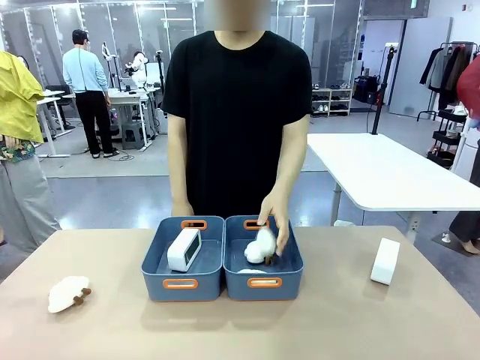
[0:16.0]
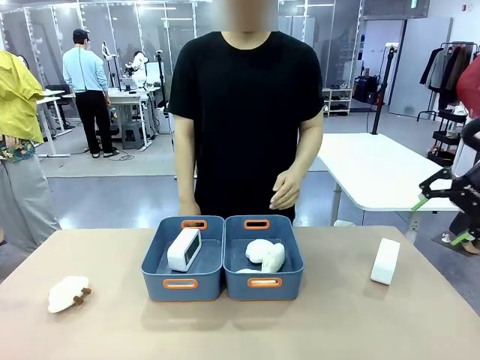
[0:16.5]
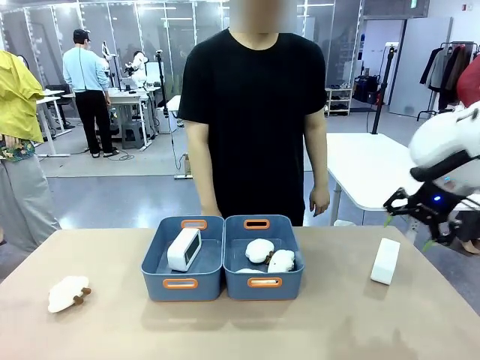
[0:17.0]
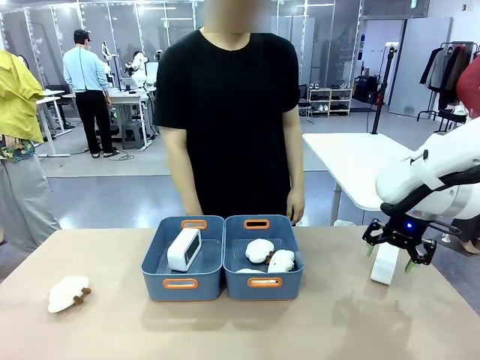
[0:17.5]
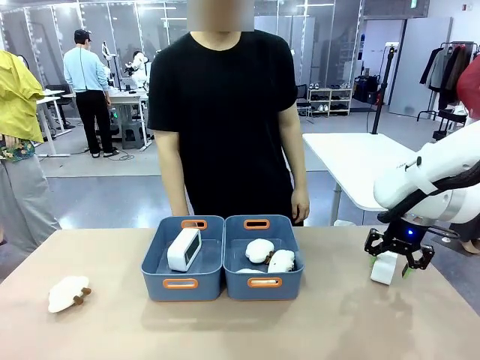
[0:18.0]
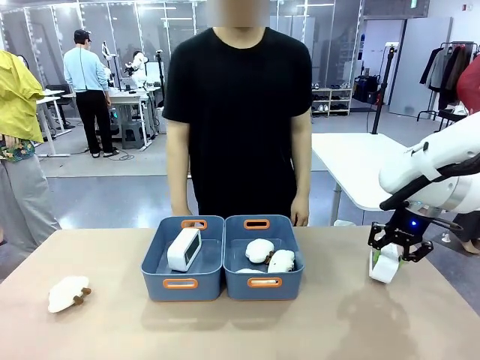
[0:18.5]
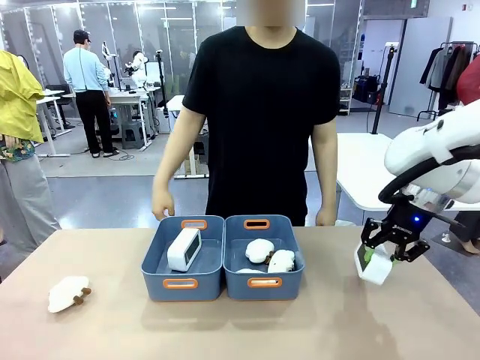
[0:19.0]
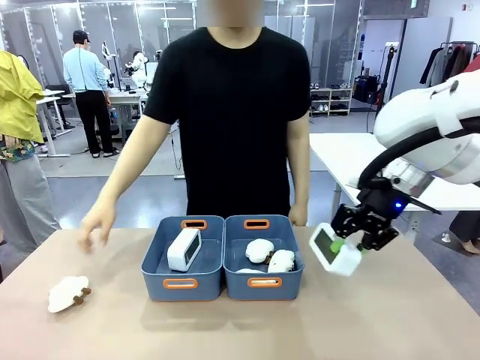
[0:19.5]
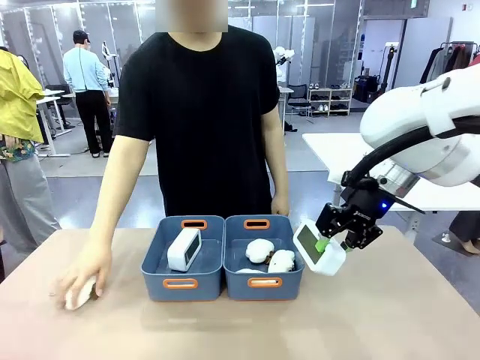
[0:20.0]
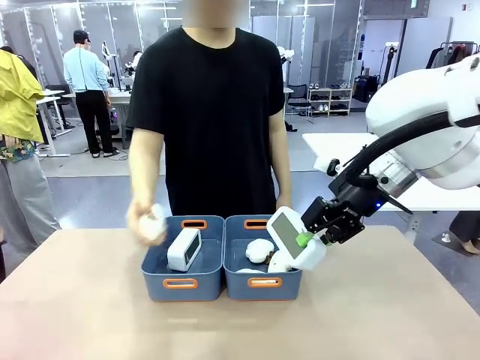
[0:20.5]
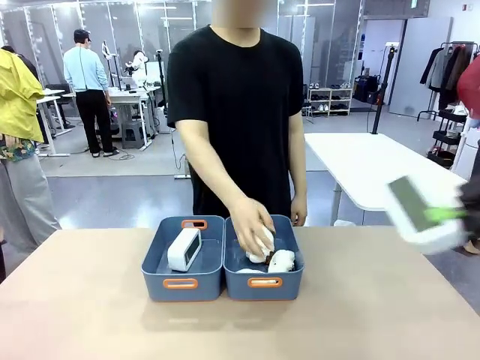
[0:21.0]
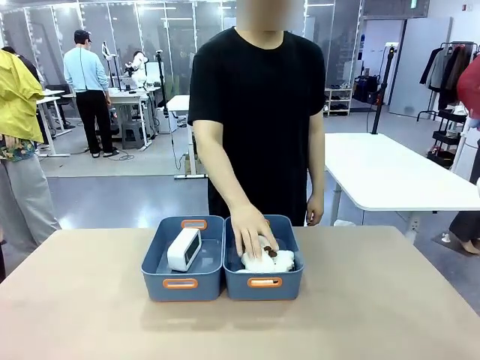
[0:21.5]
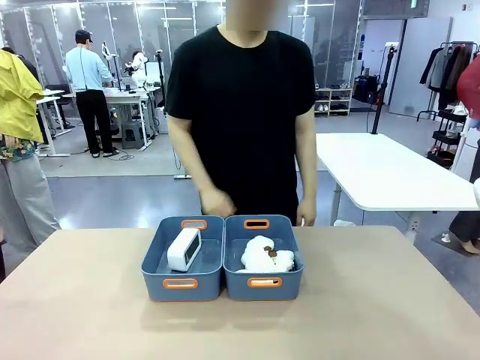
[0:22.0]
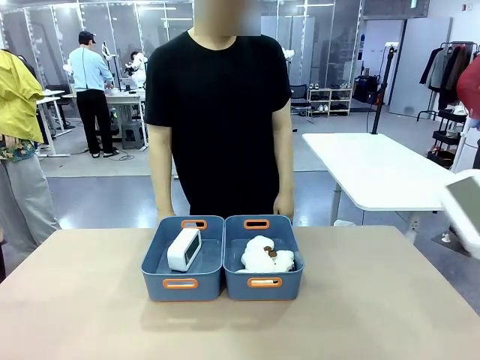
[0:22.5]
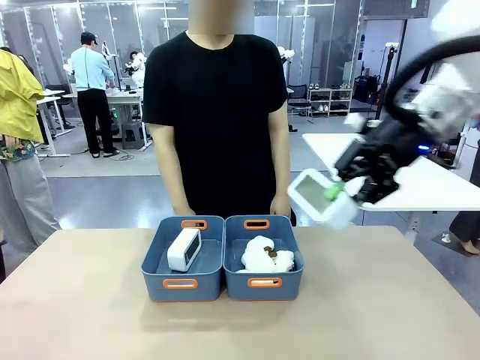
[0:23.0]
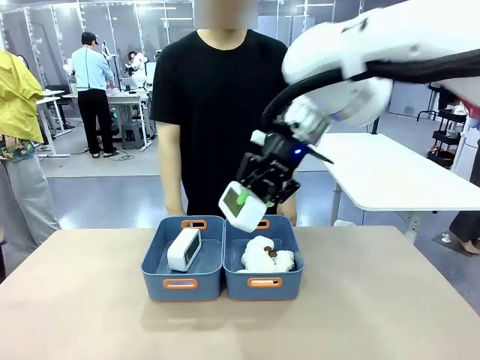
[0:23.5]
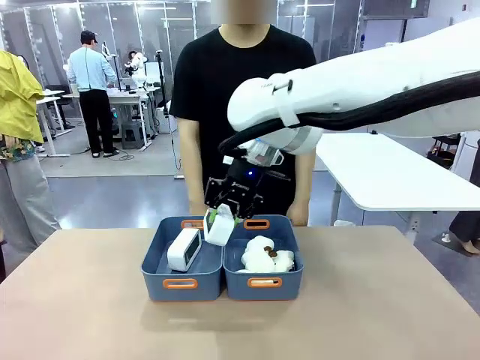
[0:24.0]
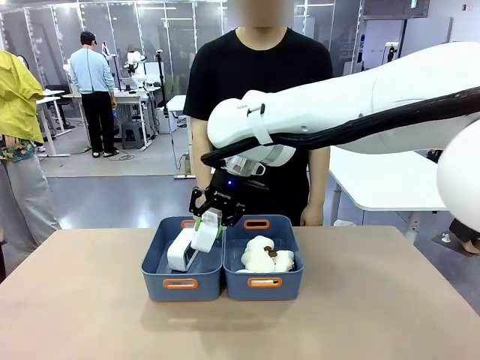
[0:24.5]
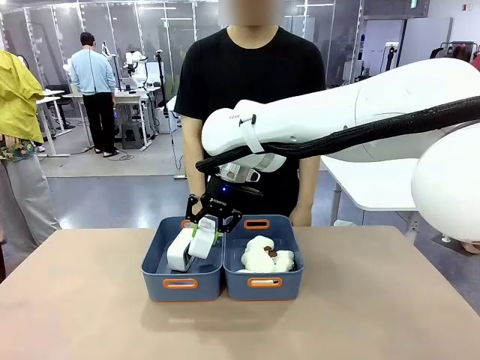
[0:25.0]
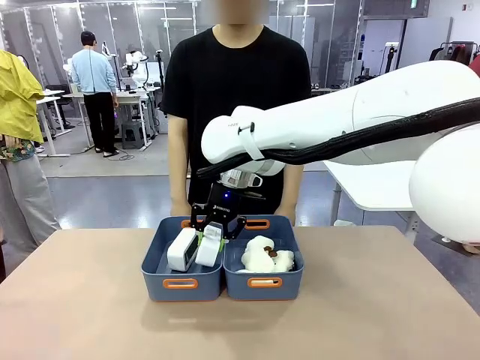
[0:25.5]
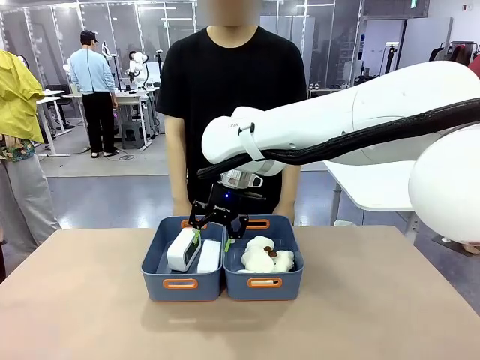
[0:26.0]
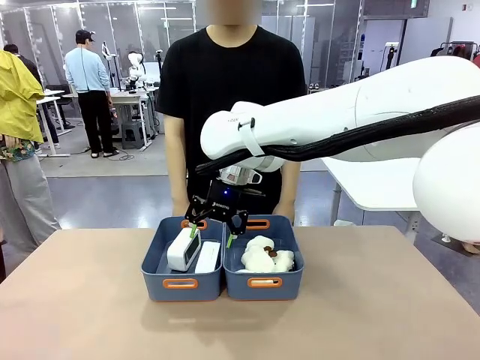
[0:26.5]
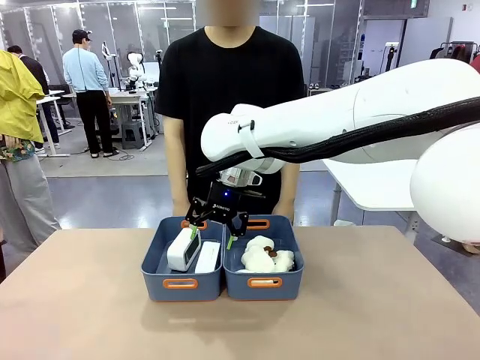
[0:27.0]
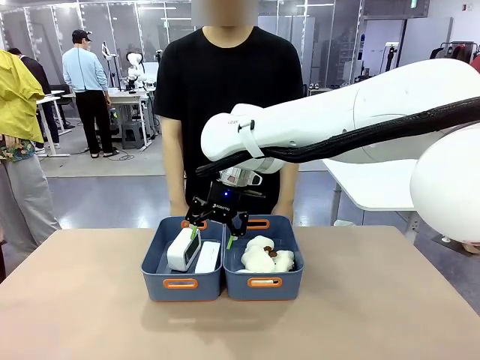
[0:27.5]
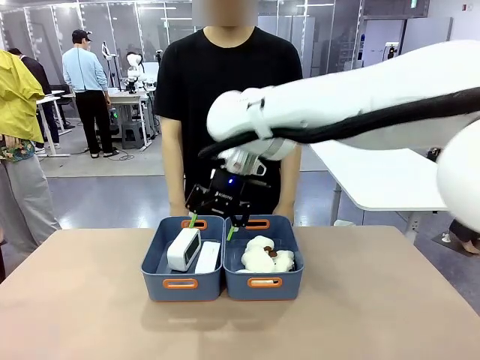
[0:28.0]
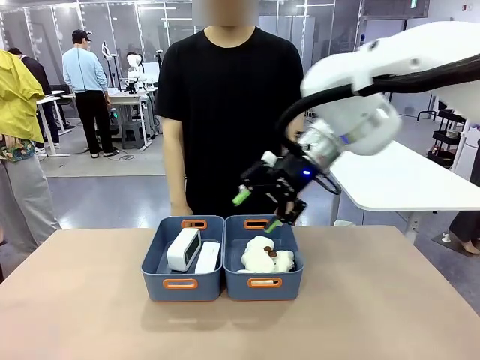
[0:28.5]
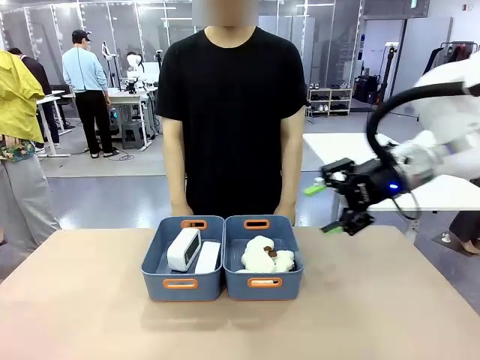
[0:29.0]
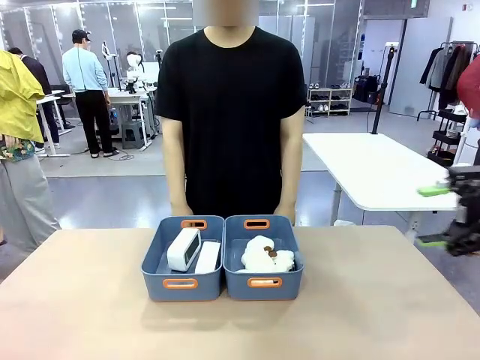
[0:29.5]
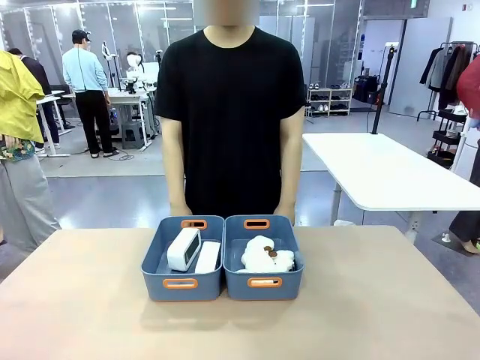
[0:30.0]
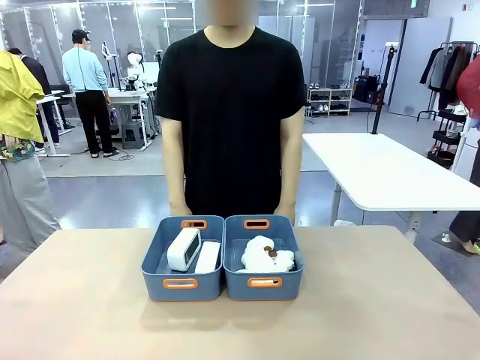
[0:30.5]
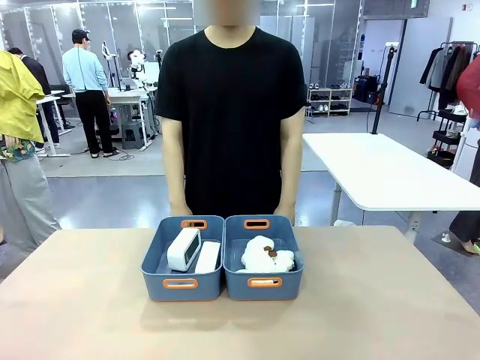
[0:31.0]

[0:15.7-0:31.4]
Task: Sort the digital clocks into the basket.
Robot: Pick up the Digital clock from the table and place it into the empty Plastic storage basket.
Person: Pick up a plush toy from the table and place it in the plastic storage basket containing the plush toy.

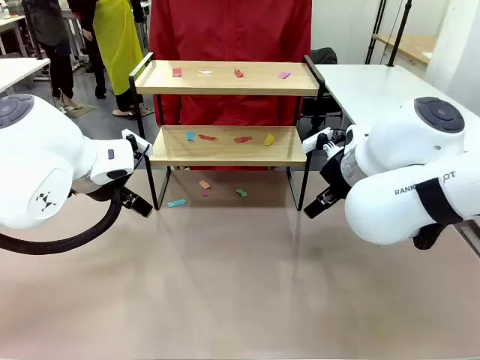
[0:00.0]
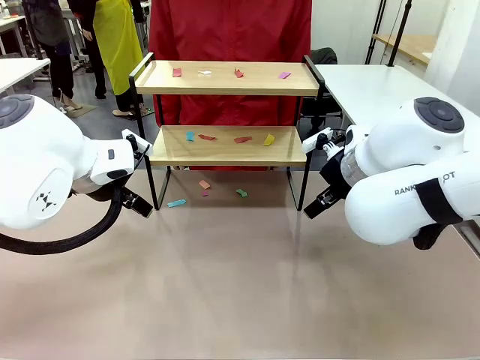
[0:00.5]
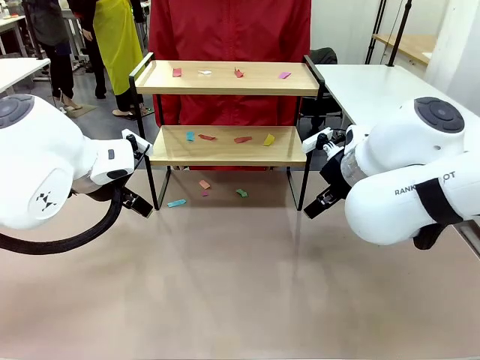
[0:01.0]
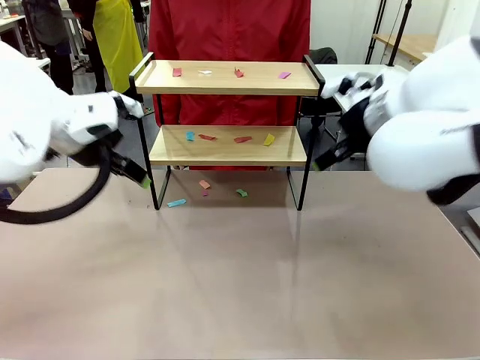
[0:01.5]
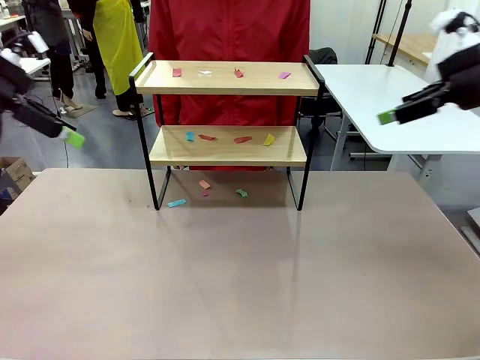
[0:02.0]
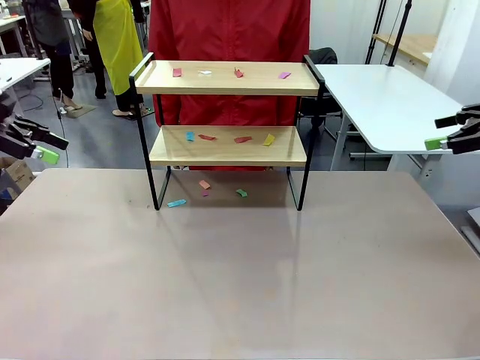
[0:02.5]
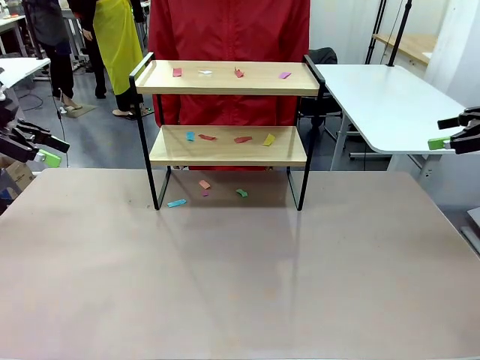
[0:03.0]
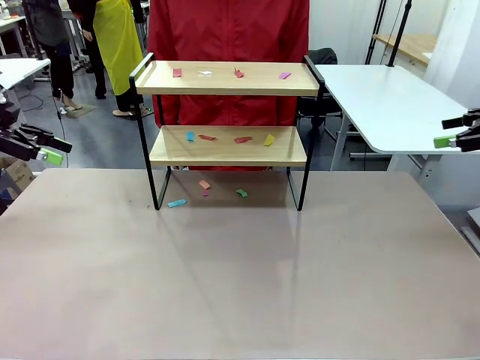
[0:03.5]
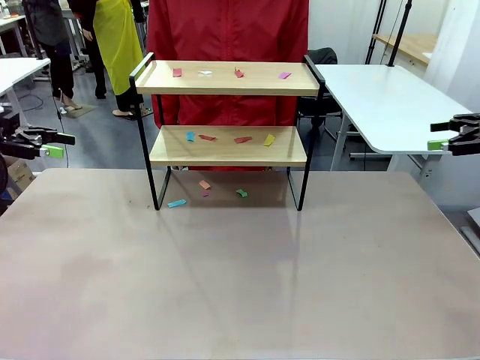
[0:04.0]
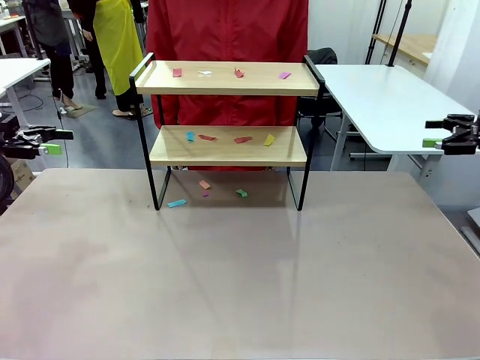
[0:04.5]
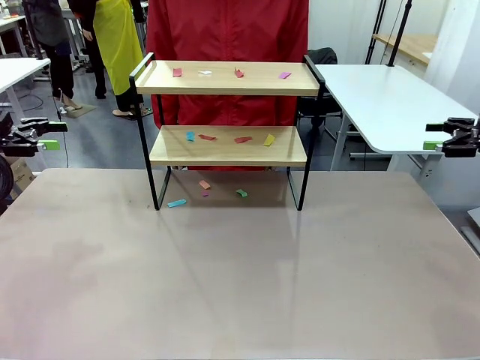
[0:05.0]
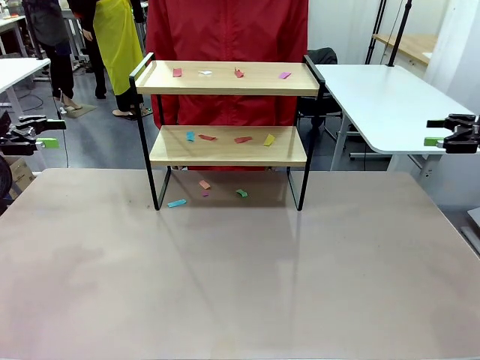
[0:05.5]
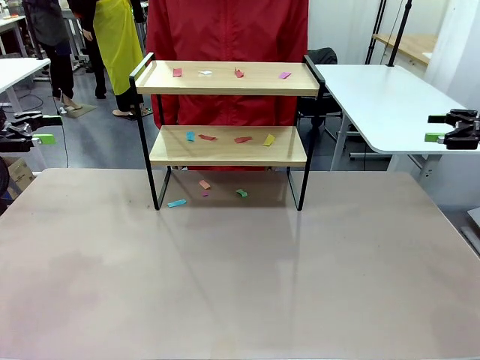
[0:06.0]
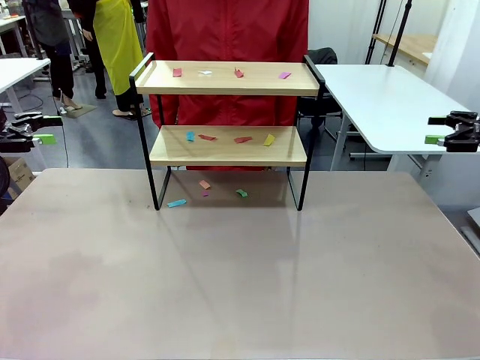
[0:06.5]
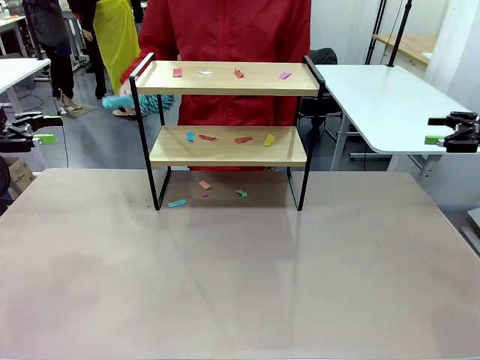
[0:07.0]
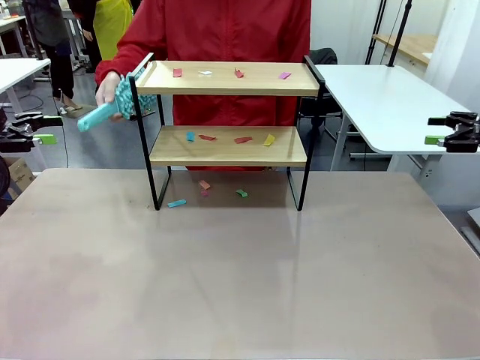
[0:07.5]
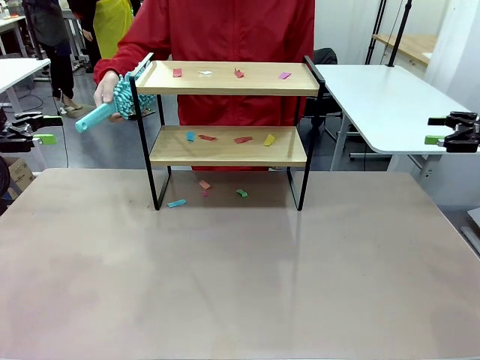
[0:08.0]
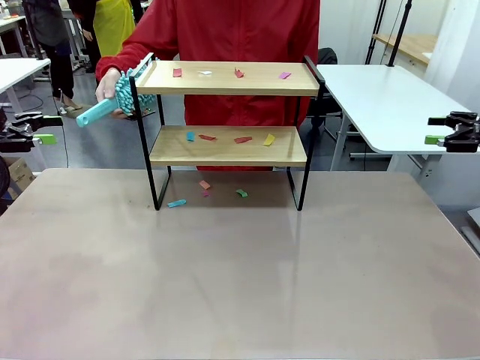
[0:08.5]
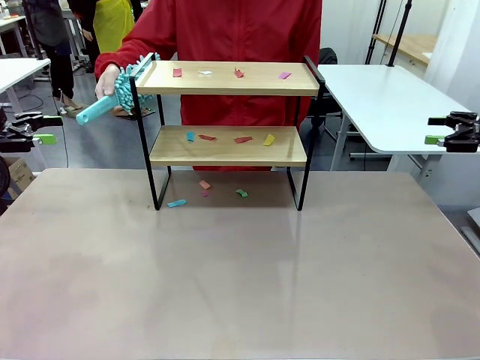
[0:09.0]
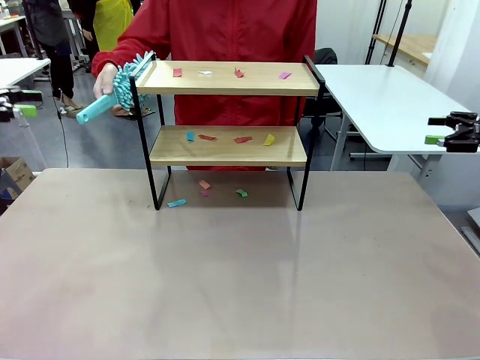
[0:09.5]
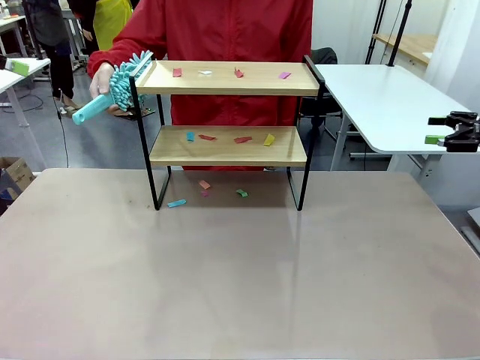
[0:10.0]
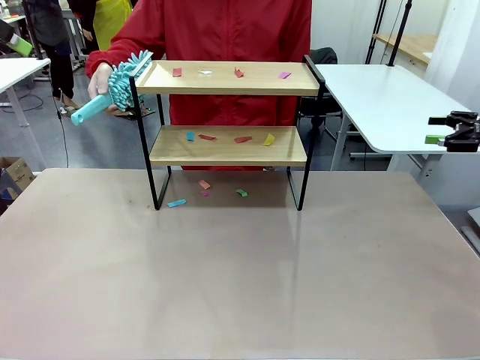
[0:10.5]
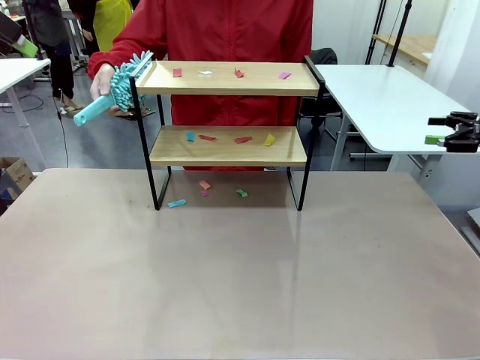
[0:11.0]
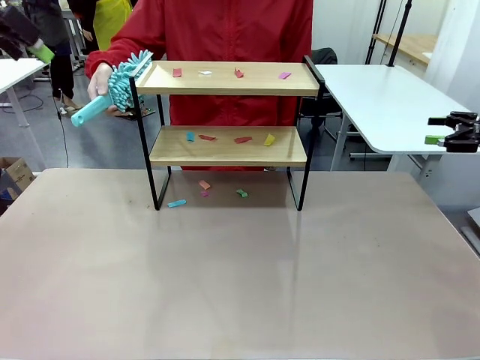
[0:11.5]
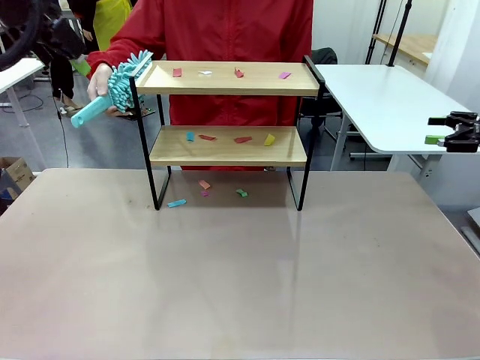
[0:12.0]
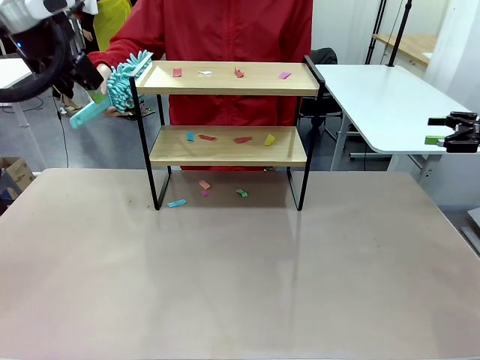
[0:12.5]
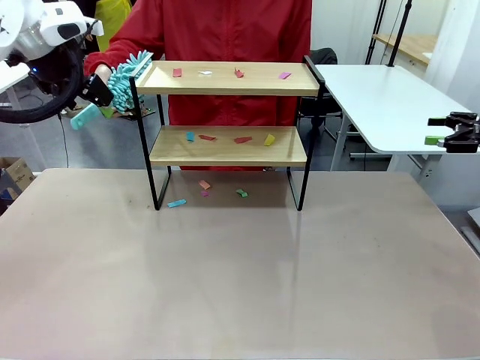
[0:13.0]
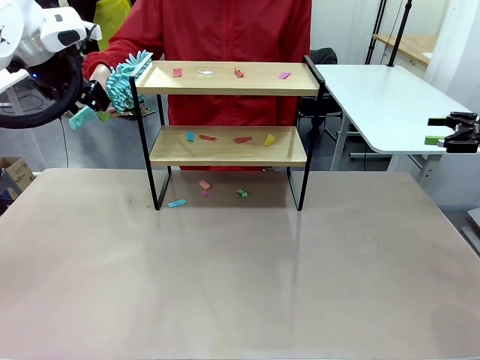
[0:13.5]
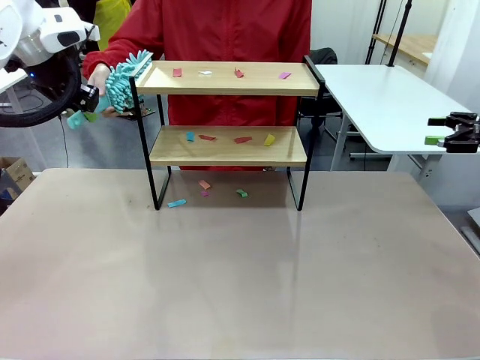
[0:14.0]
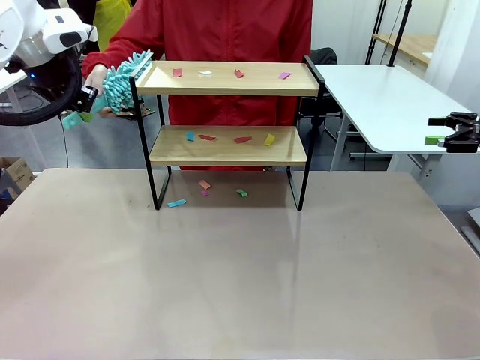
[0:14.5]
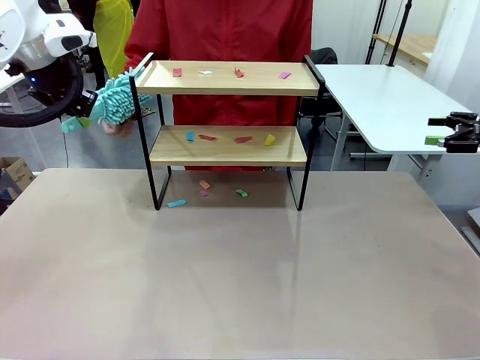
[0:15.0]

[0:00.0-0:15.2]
Task: Clean the shelf.
Robot: Pick up the Duster handed by the human.
Person: Hand the Duster to the robot.
